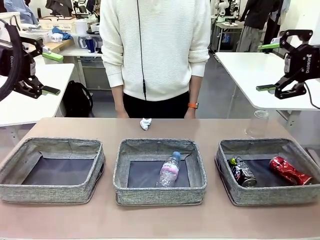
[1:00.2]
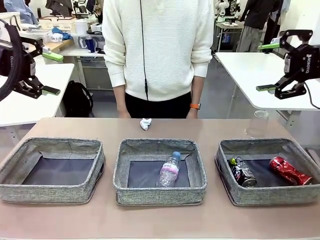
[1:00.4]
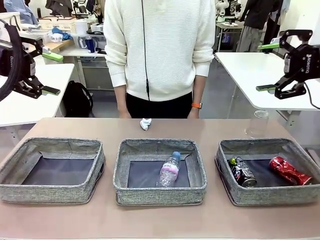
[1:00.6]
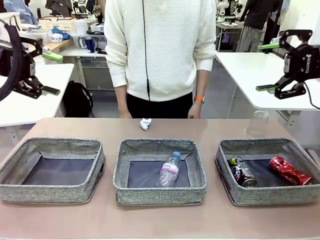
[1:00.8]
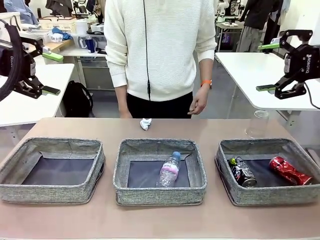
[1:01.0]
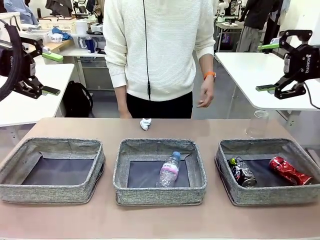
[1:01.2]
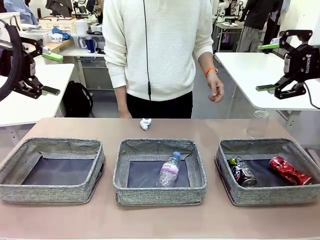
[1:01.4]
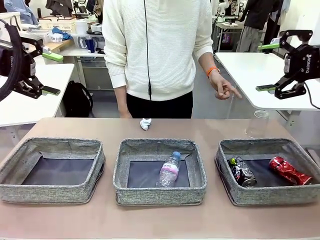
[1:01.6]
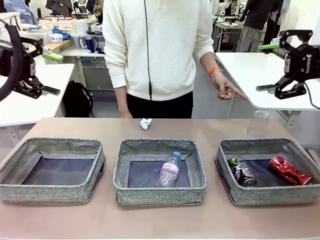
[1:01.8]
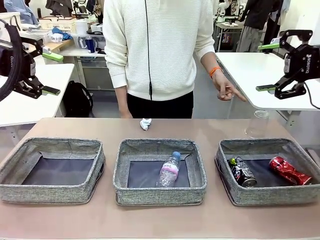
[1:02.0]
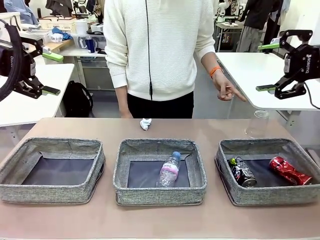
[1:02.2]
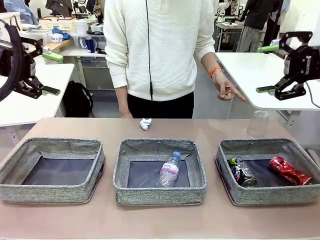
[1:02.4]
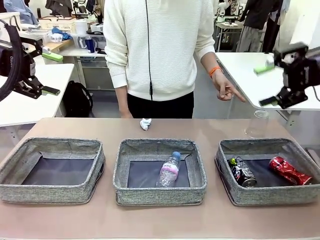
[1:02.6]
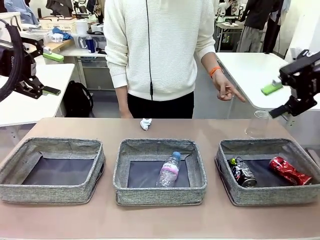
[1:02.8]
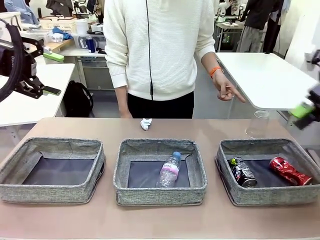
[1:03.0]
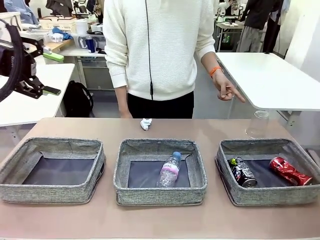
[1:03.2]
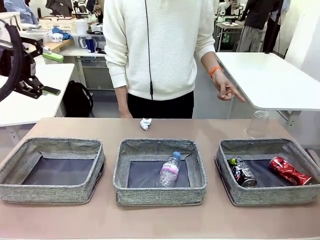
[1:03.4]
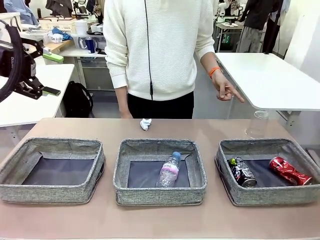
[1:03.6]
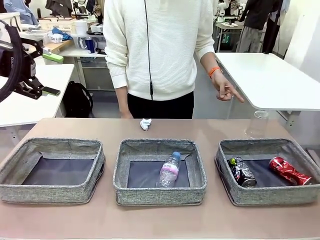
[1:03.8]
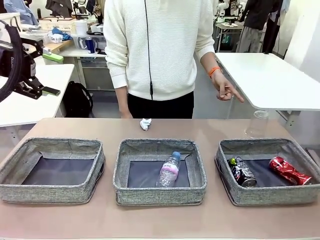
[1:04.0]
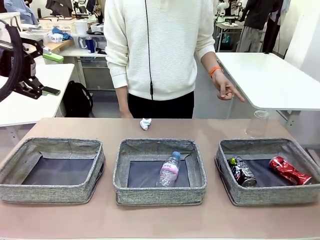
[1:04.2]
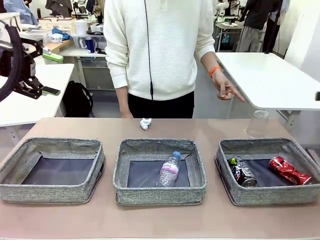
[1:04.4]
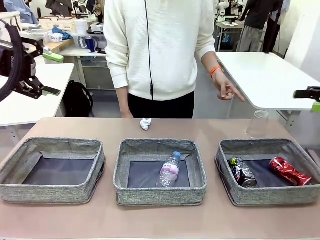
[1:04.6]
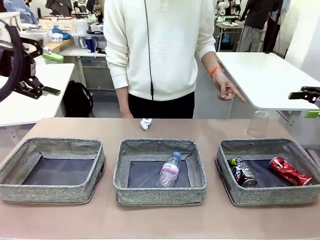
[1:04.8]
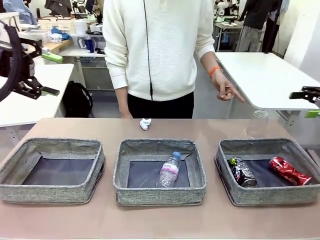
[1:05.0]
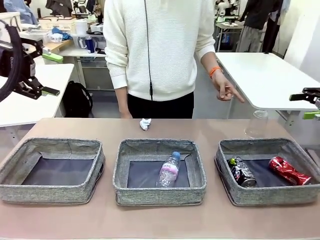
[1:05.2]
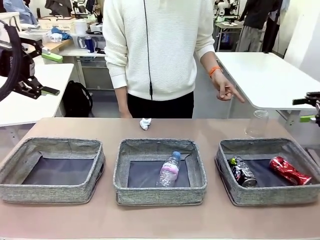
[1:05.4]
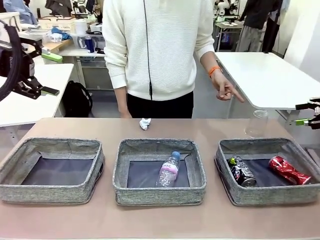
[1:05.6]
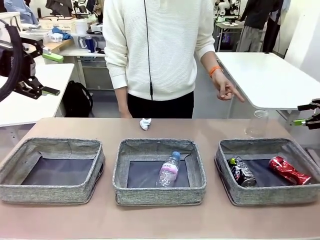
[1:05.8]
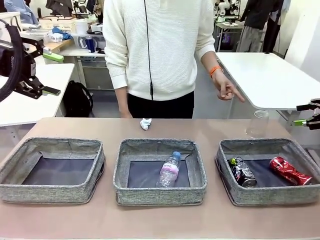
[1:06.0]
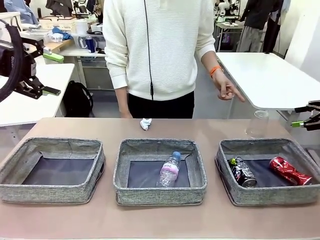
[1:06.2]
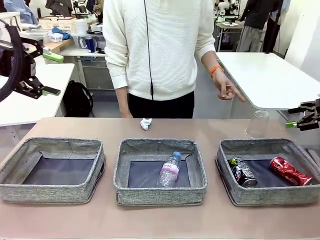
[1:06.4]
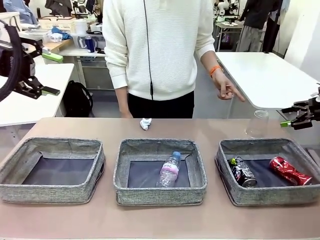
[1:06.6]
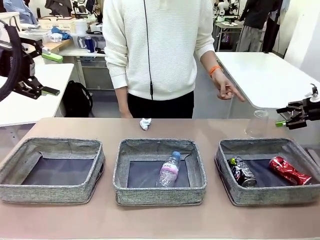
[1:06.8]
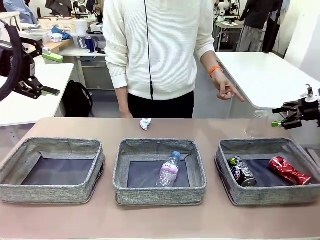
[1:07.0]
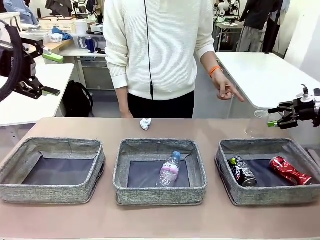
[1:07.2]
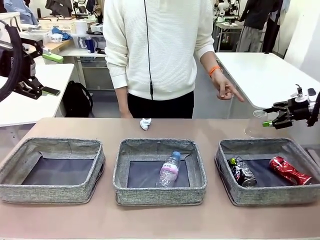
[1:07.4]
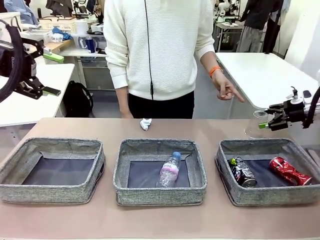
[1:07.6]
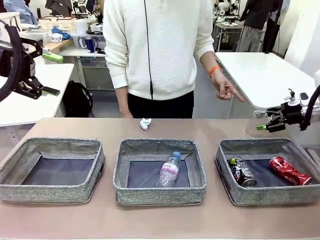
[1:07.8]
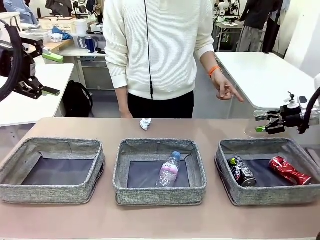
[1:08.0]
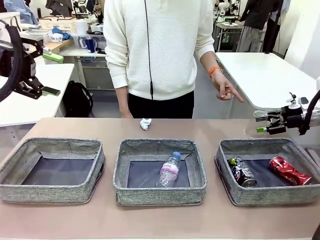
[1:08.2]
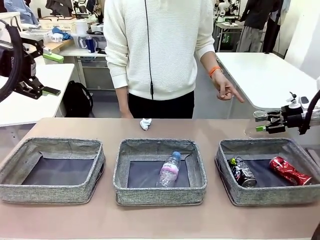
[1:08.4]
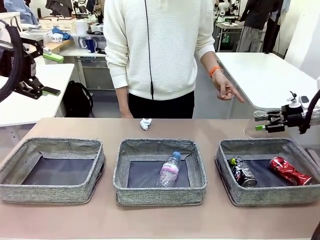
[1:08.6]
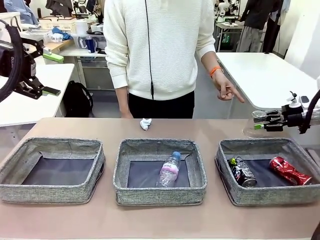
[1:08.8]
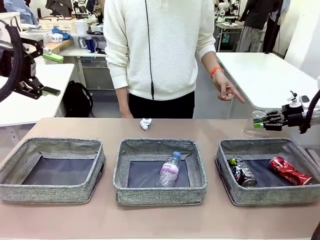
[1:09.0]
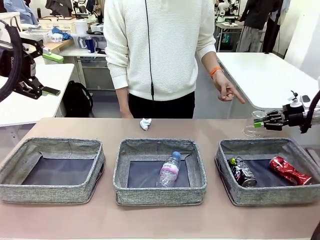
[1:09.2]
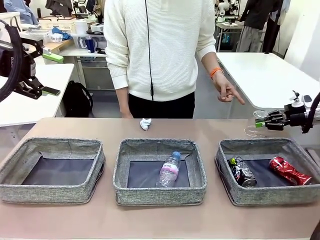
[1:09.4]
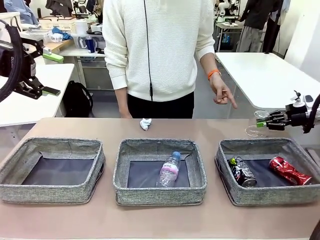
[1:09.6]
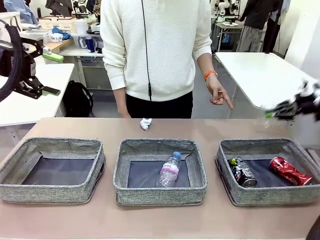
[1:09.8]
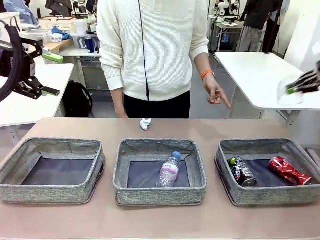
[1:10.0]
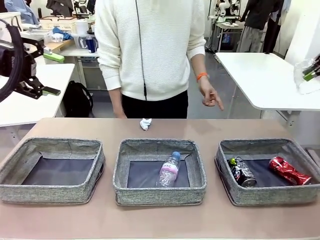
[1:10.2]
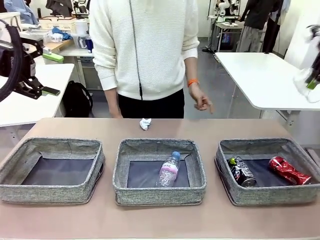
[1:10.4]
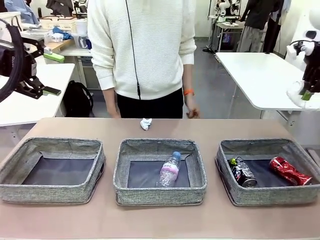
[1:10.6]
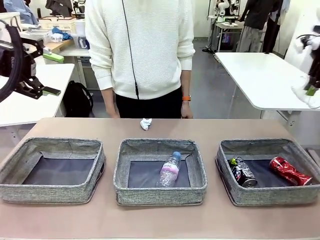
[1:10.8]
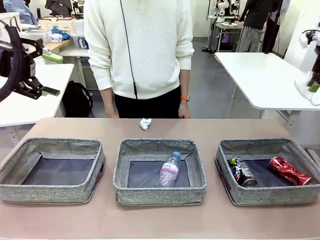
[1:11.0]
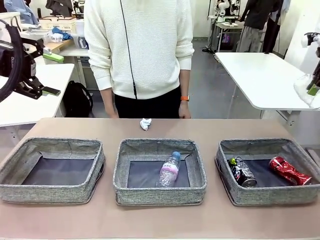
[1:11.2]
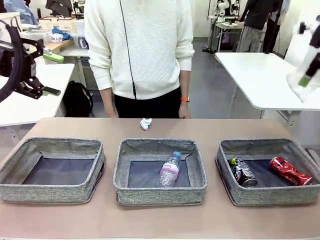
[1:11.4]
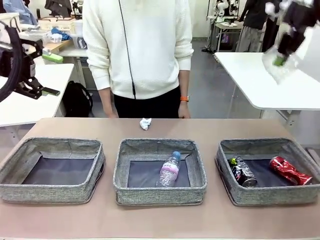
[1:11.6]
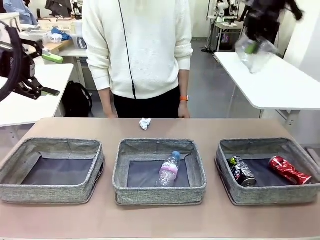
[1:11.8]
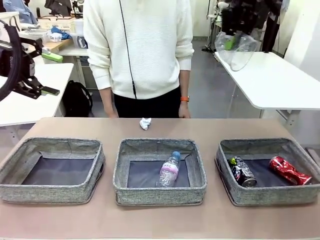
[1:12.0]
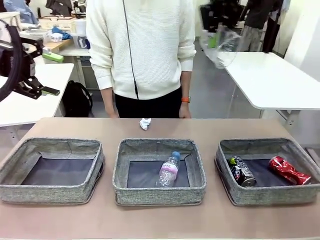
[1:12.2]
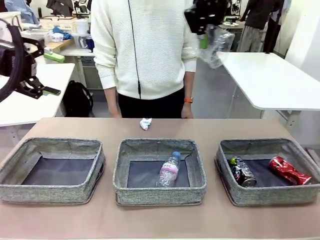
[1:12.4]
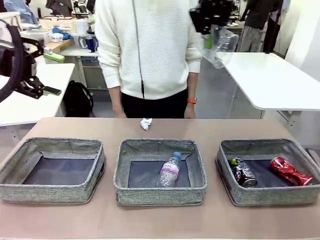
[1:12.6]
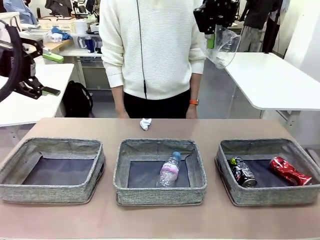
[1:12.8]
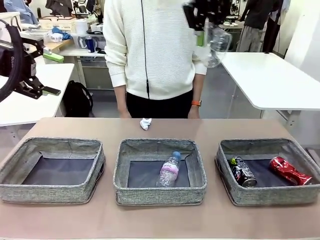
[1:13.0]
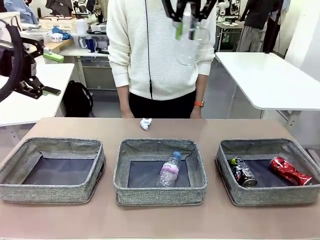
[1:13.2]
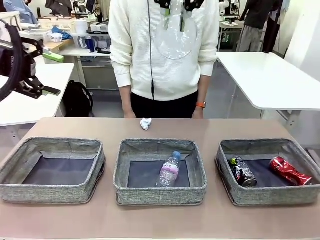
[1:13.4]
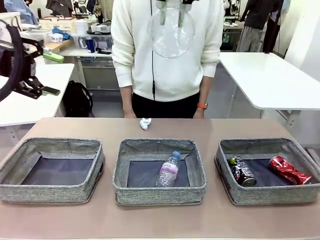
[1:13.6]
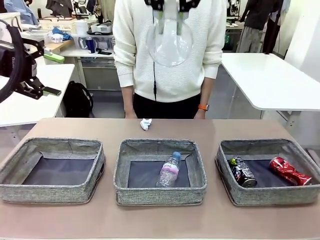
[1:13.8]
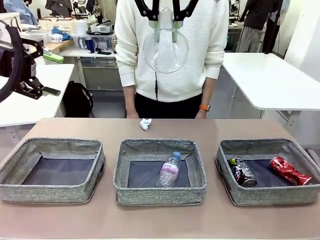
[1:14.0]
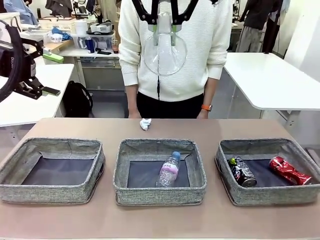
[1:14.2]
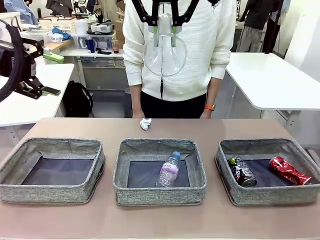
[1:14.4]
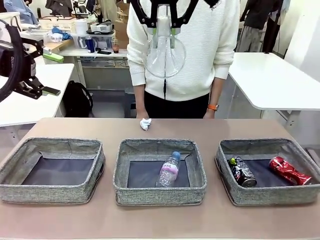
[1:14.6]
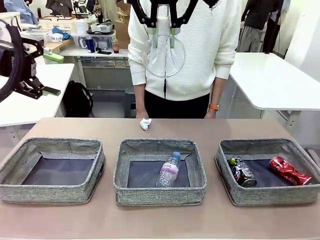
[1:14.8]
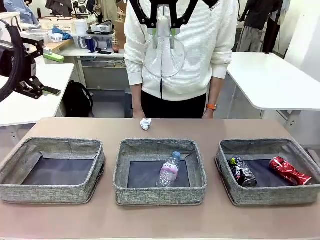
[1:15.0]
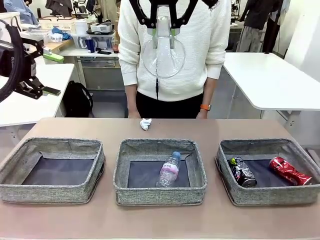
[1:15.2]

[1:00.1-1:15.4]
Task: Sort the waste into the appropriate baskets.
Robot: Pick up the waste item pointed out by the person.
Person: Points to one piece of trash on the table.

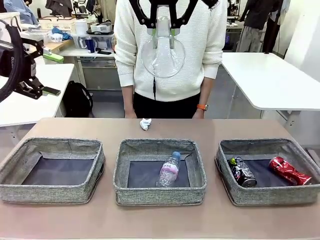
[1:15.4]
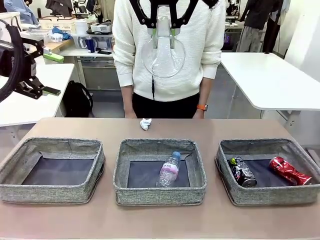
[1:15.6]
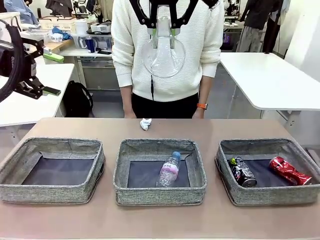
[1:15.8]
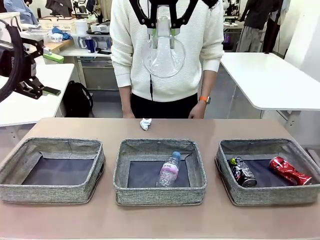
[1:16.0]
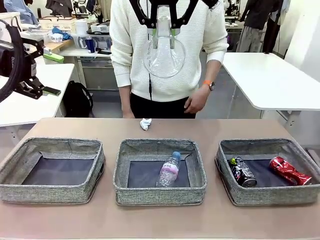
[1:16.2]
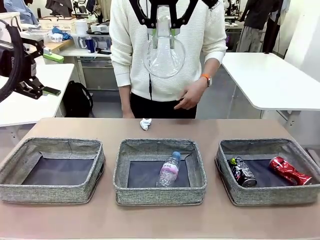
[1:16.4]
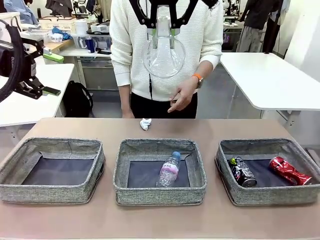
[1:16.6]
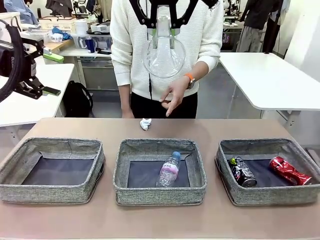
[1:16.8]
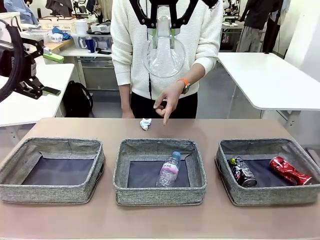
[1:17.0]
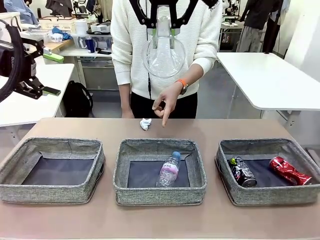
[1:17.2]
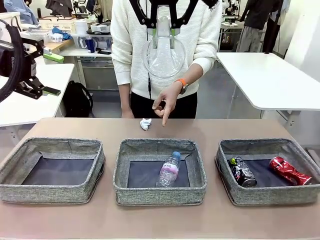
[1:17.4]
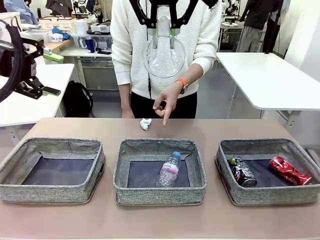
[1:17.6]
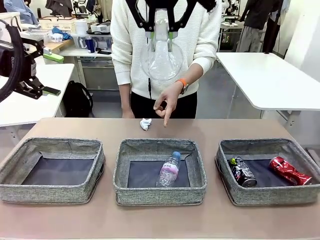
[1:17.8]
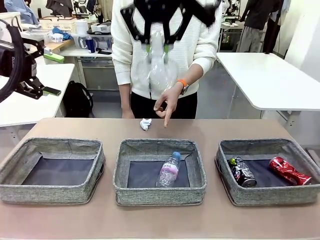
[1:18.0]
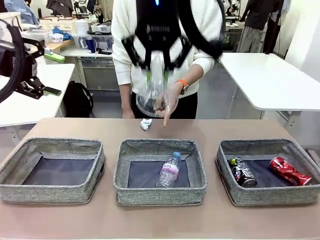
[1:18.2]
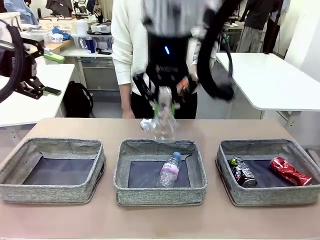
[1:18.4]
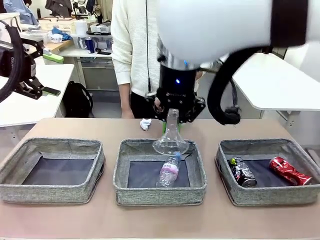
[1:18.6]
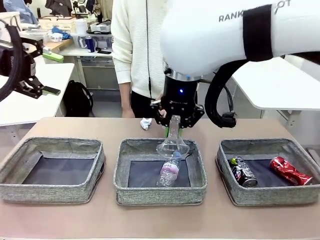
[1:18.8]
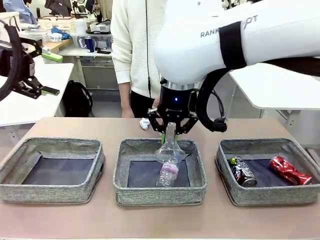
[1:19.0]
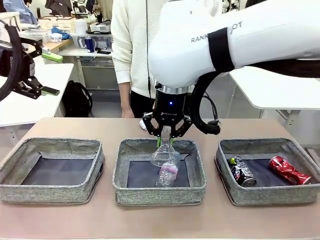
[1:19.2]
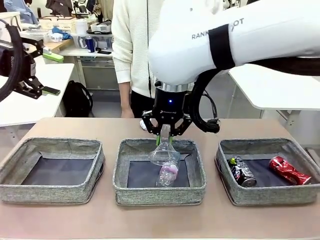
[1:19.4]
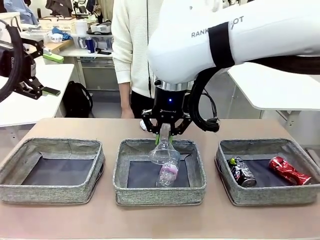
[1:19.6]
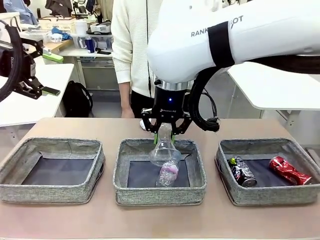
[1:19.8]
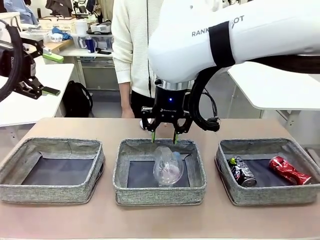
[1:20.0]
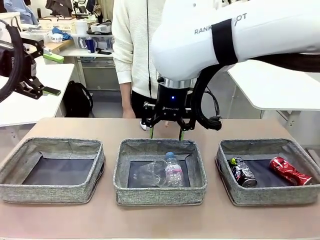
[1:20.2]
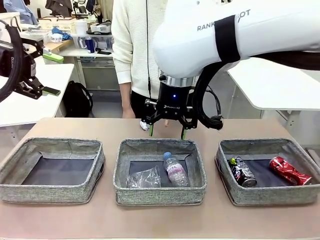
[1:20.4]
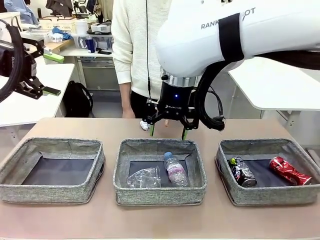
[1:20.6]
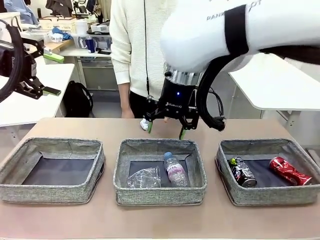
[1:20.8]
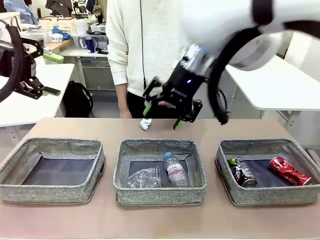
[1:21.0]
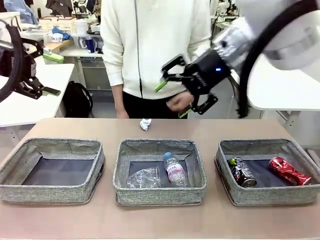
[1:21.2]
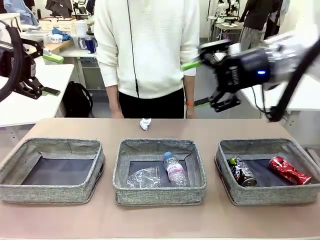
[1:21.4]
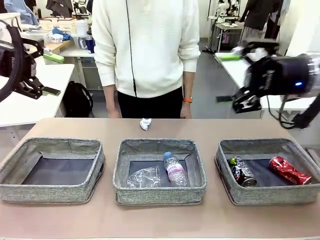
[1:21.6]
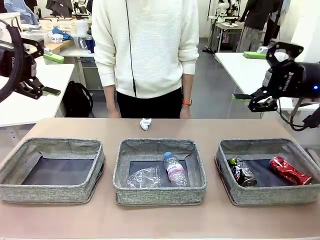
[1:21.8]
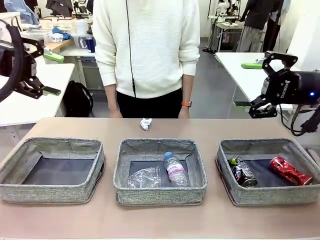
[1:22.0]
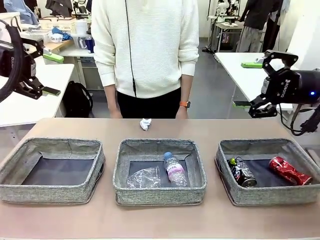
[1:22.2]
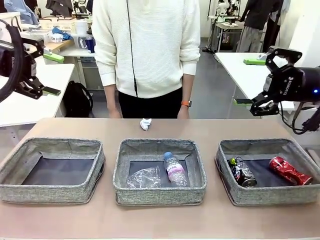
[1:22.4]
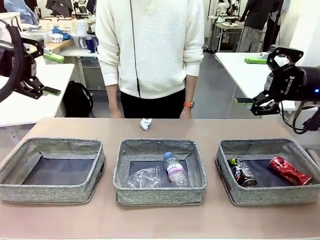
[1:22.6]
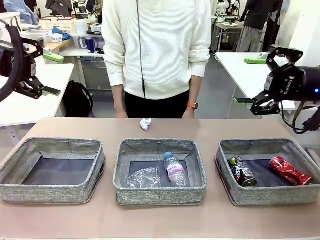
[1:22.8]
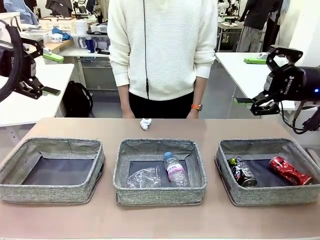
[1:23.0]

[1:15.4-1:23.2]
Robot: Place the picked waste into the Fabric basket indicated by the person.
Person: Instructs the robot to place the picked-up trash into the appropriate organizing basket.
